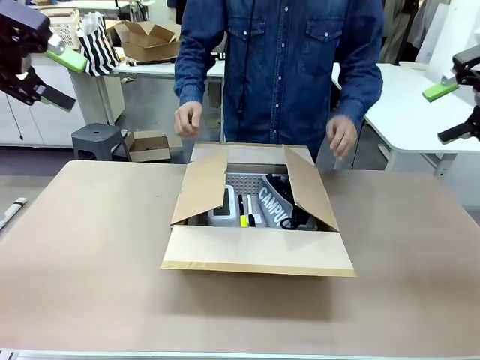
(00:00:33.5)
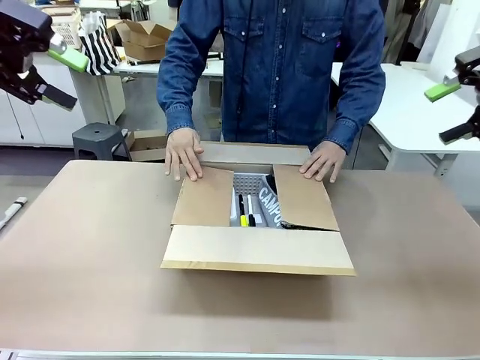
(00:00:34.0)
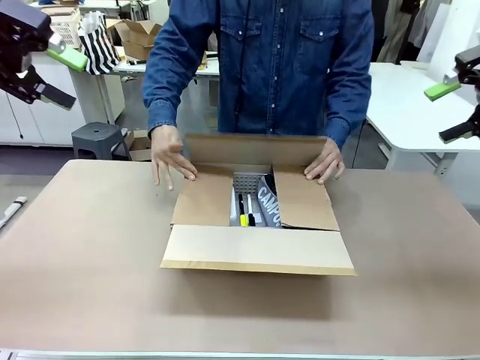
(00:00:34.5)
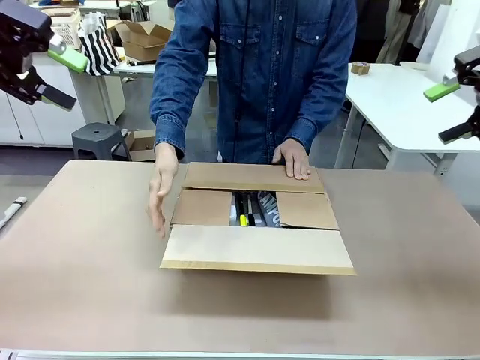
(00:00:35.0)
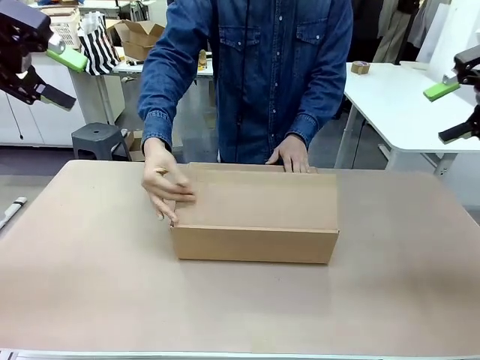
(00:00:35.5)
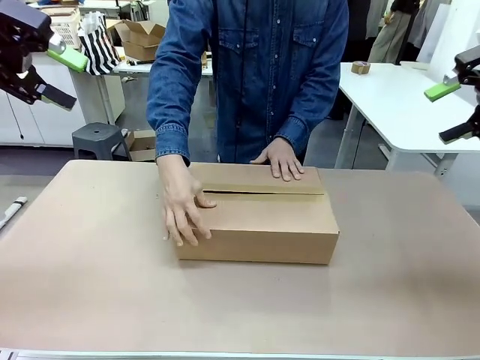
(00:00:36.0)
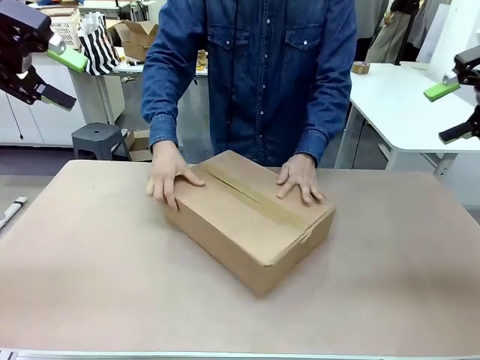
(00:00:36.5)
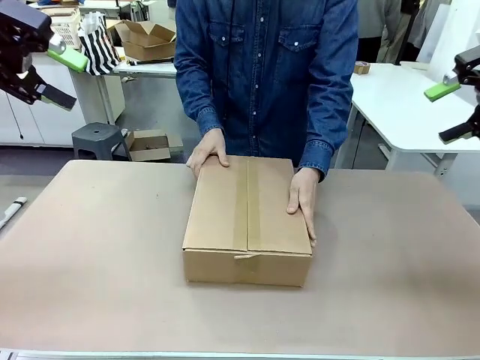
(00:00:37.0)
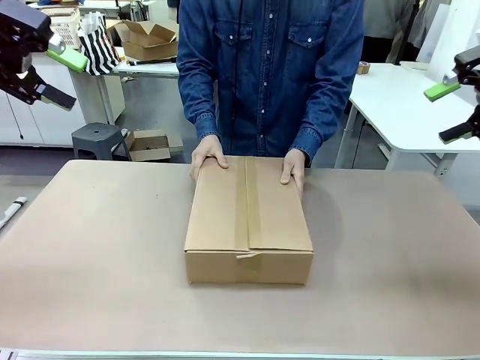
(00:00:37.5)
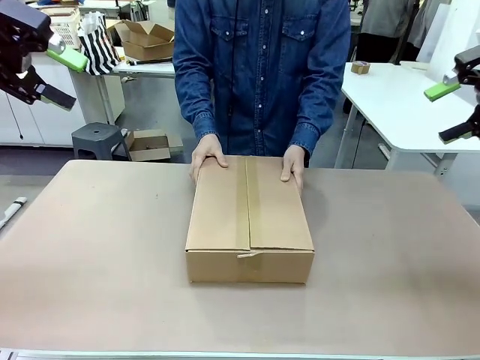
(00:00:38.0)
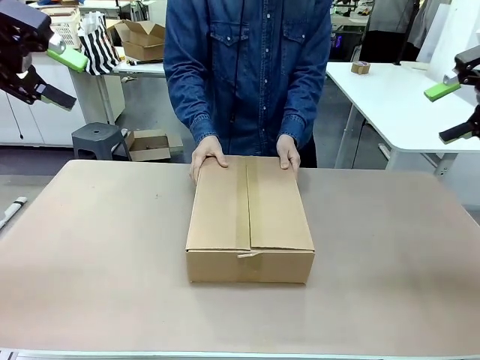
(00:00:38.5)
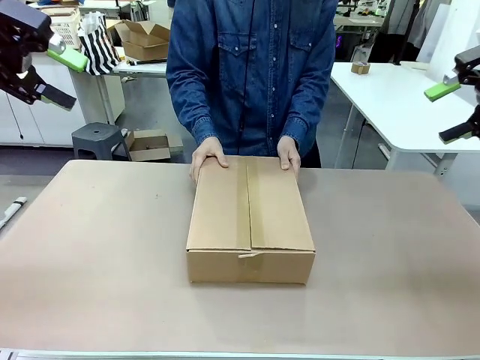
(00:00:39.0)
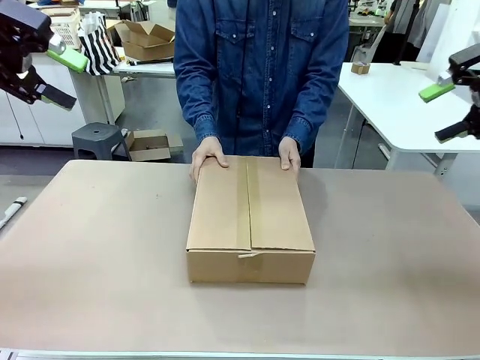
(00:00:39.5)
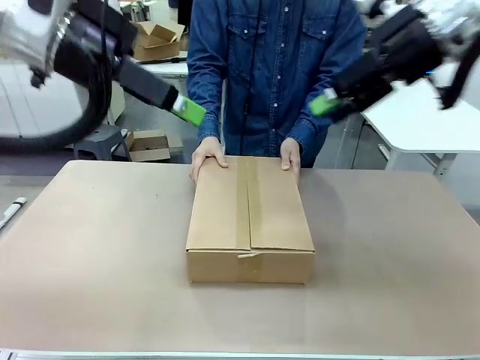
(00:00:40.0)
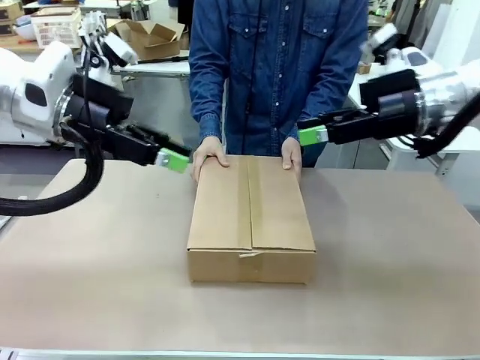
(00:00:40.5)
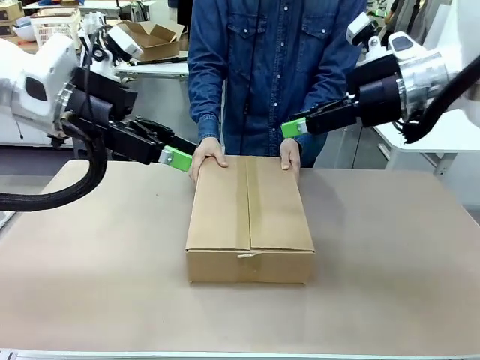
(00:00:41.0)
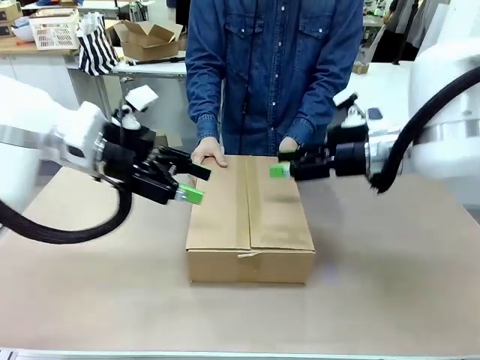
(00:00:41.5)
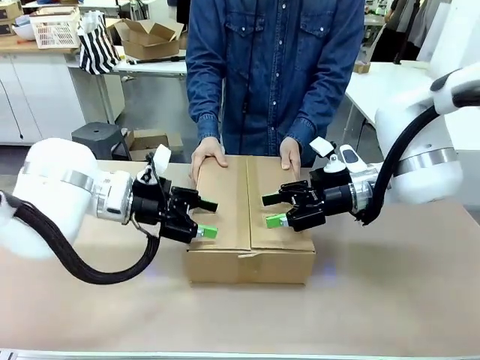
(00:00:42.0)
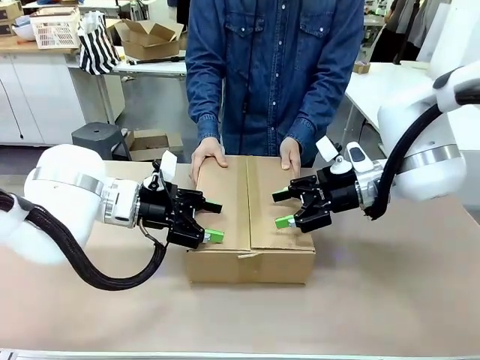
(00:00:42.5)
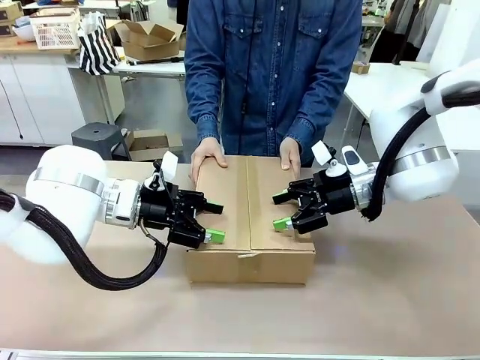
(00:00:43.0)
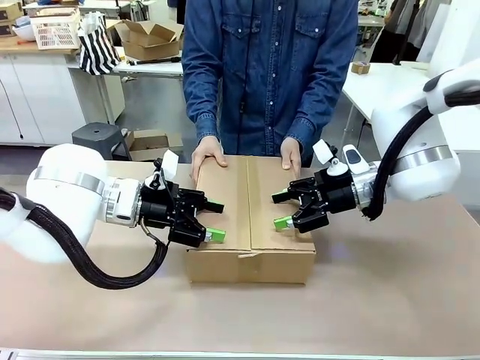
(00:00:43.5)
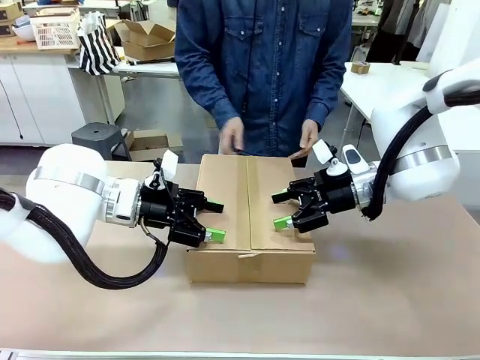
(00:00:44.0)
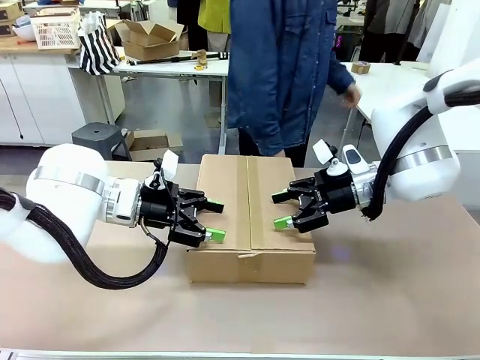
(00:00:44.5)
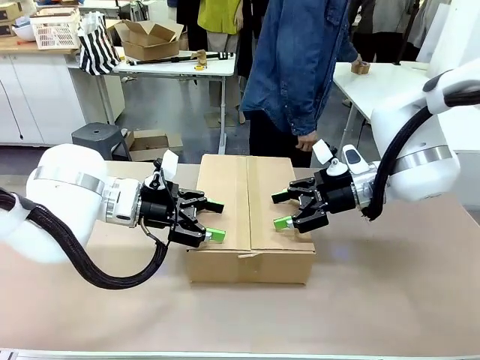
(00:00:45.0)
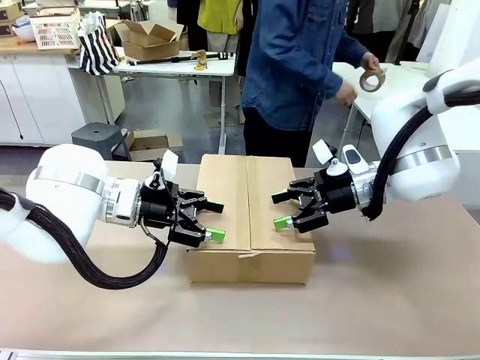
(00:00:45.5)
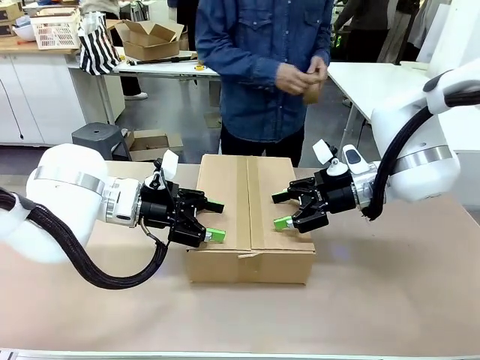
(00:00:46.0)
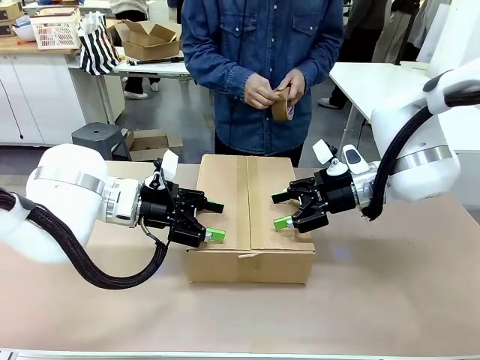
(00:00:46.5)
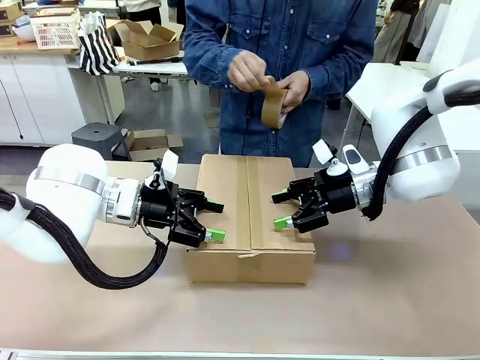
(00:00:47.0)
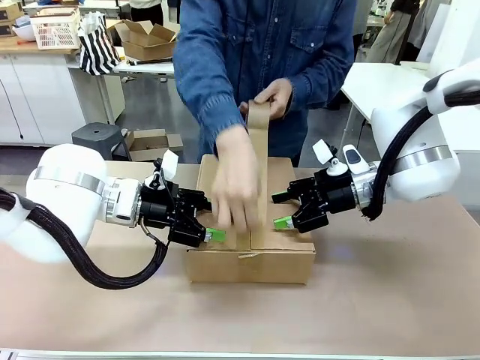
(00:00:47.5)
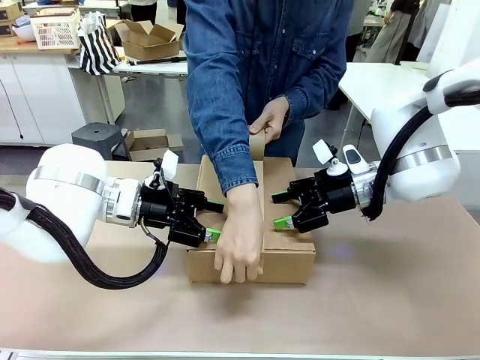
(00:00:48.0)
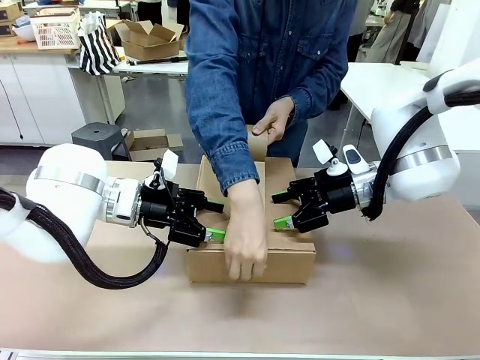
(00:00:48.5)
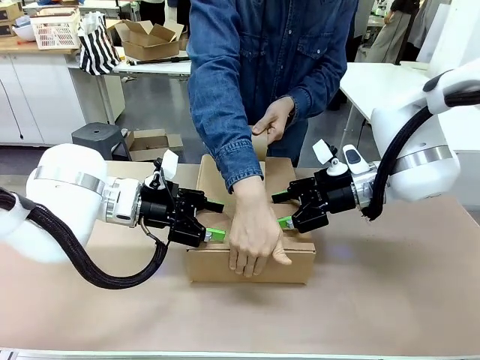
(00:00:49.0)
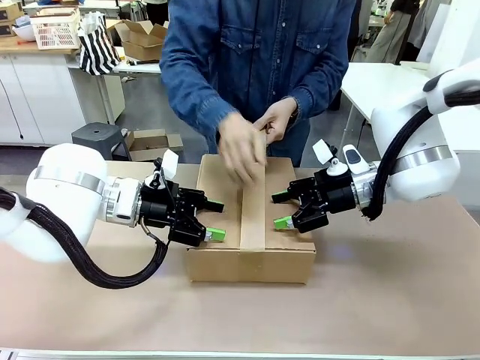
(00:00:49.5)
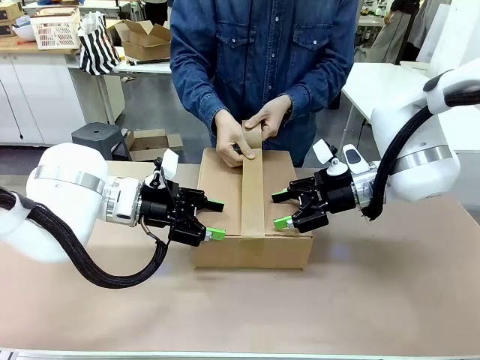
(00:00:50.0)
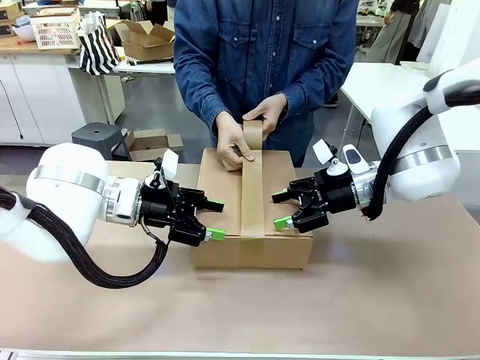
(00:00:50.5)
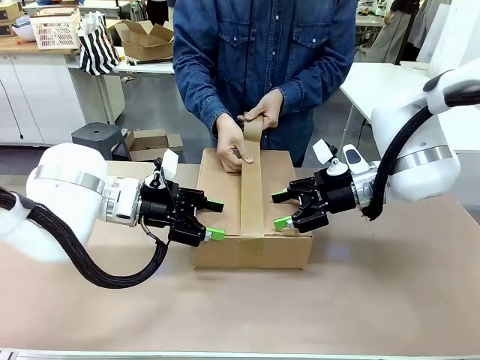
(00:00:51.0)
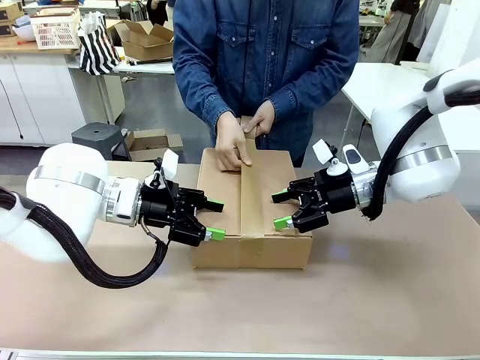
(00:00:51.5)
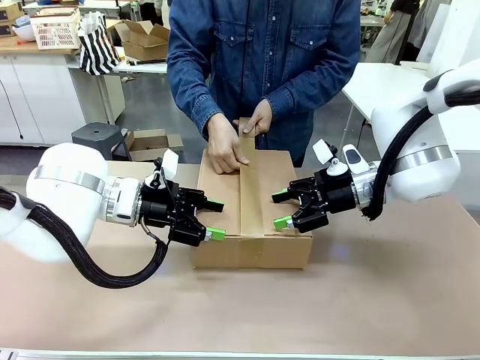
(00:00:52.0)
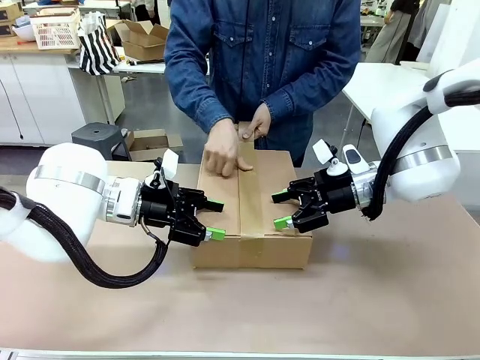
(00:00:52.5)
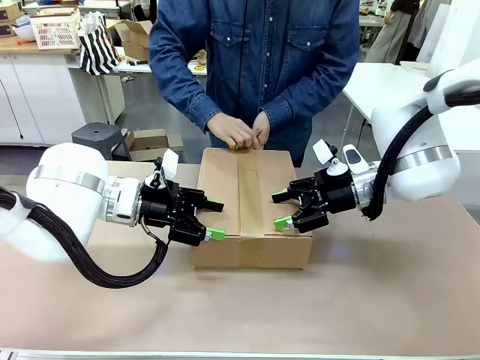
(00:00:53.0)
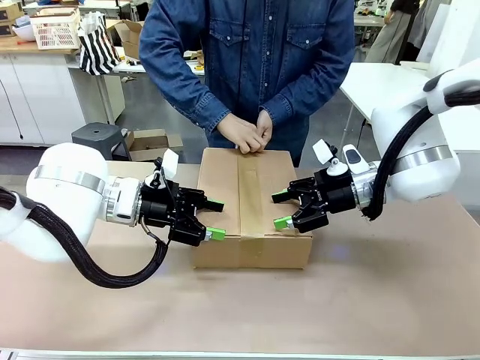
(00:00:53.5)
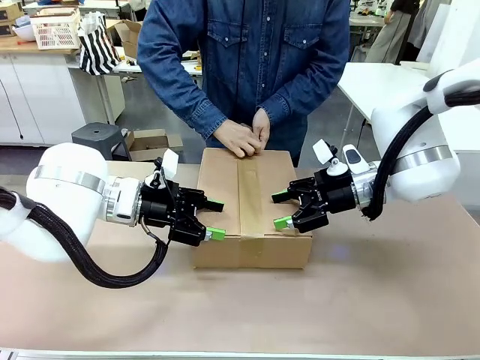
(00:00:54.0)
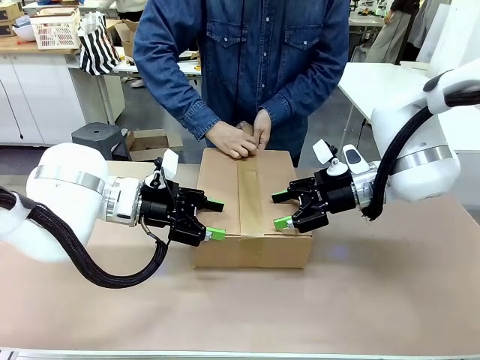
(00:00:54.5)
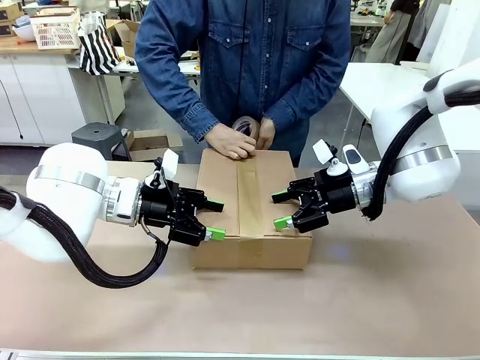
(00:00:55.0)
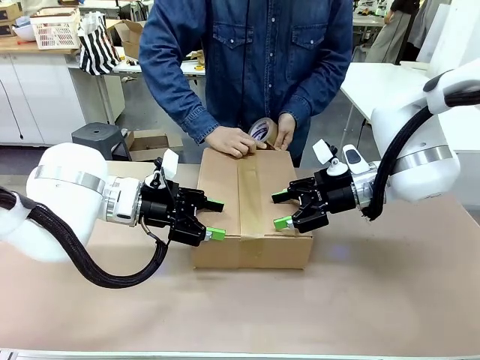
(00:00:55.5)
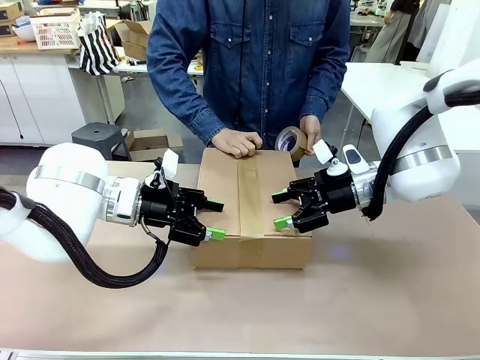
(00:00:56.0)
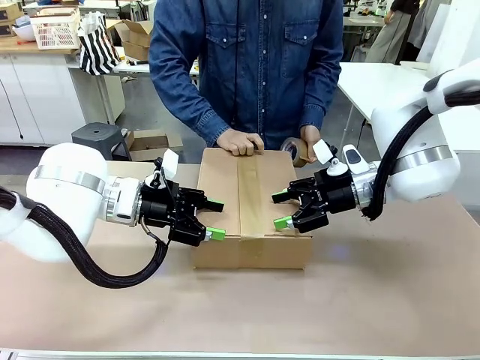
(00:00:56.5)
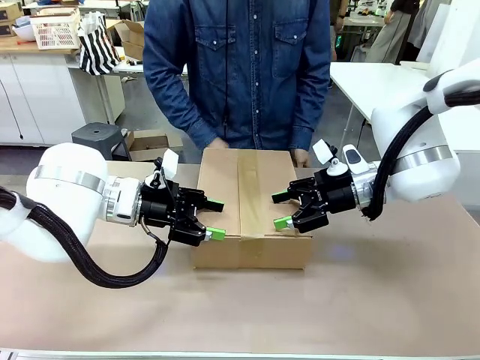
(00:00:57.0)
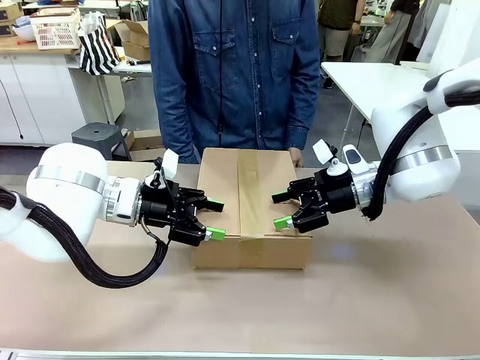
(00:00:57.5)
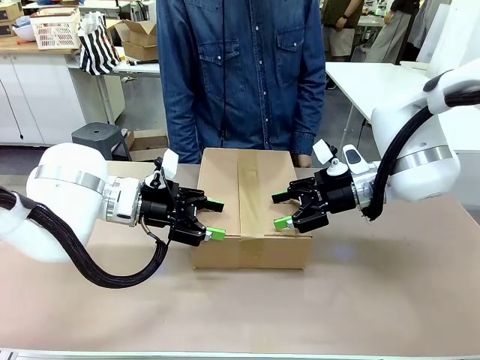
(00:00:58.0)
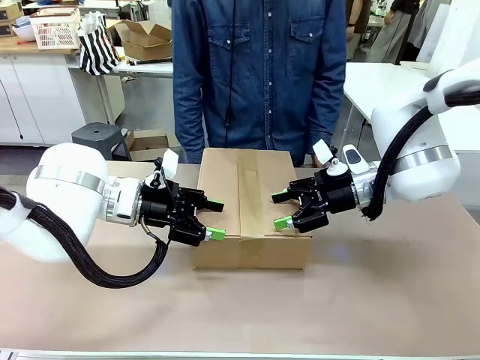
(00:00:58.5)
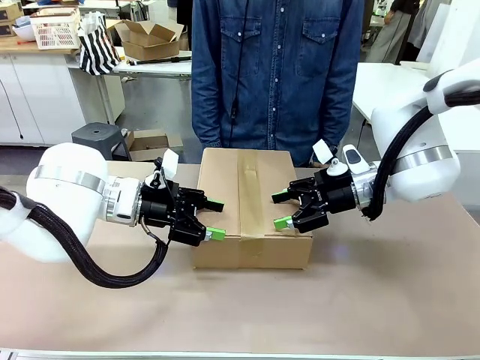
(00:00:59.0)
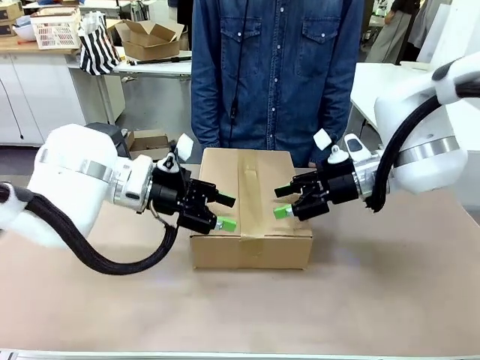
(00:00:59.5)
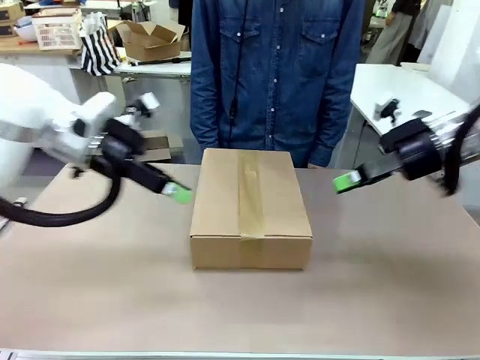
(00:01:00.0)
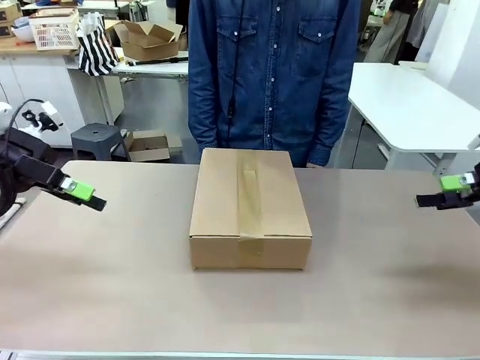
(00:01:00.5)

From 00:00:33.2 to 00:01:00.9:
Task: Pack the gift set into the box.
Robot: Press and hold the closed box until the human finishes sealing it.
Person: The human closes the box and rotates the box by 90 degrees. The human picks up the paper tape from the human table and packs the box.
